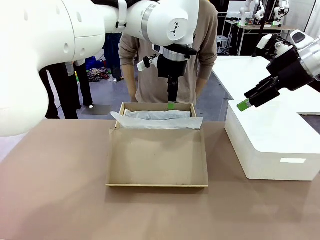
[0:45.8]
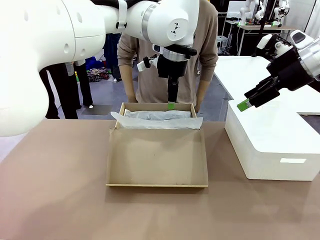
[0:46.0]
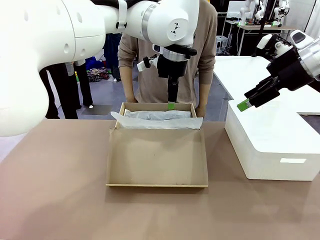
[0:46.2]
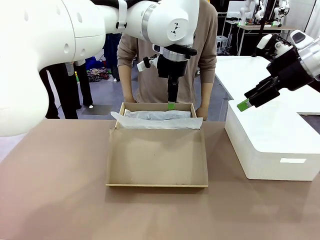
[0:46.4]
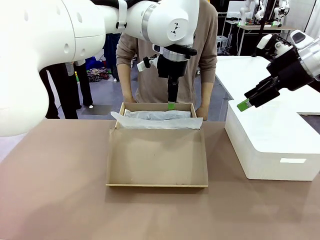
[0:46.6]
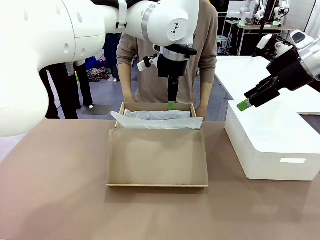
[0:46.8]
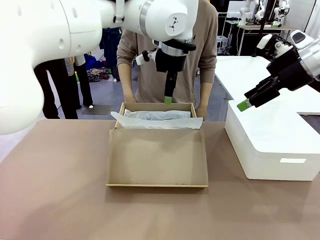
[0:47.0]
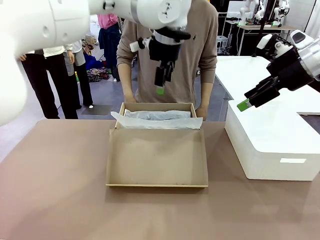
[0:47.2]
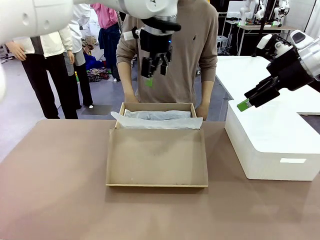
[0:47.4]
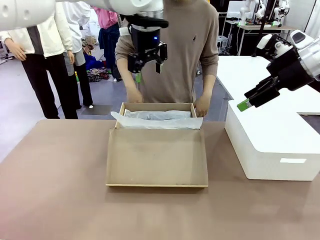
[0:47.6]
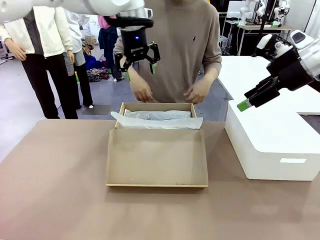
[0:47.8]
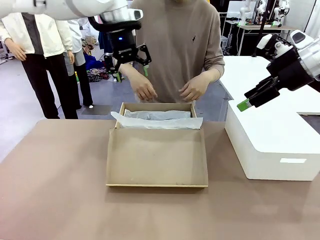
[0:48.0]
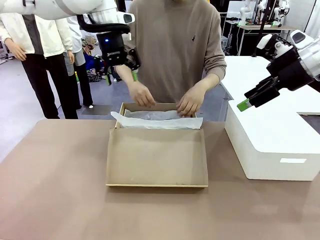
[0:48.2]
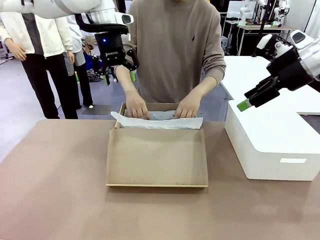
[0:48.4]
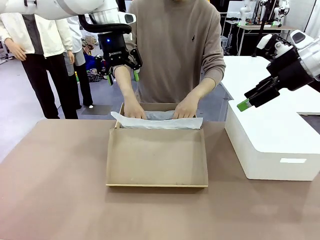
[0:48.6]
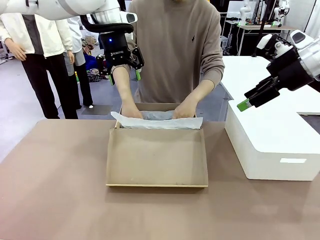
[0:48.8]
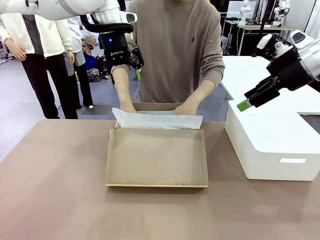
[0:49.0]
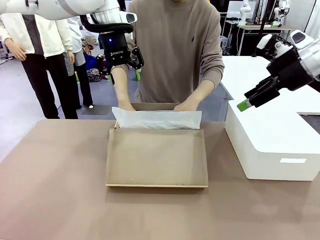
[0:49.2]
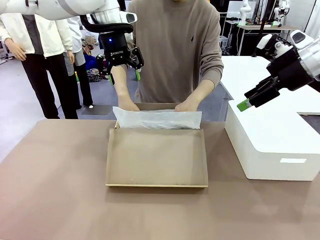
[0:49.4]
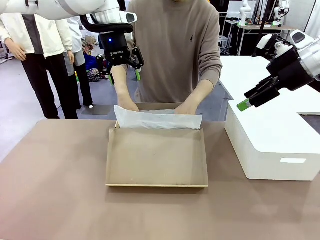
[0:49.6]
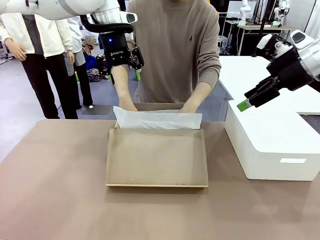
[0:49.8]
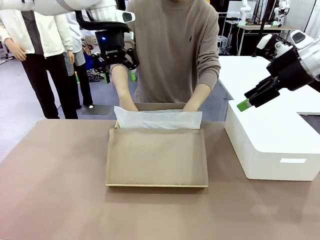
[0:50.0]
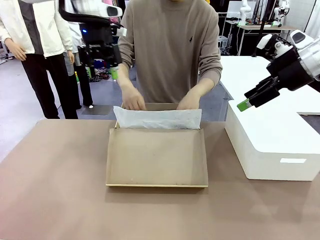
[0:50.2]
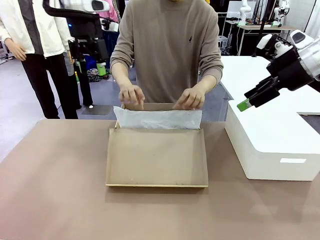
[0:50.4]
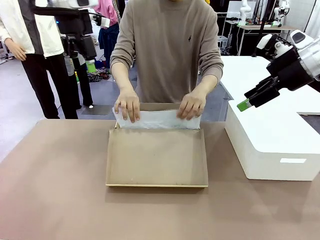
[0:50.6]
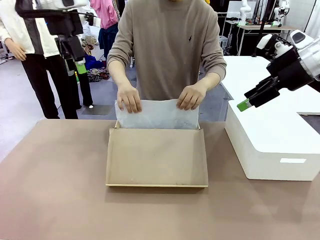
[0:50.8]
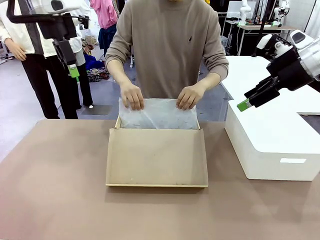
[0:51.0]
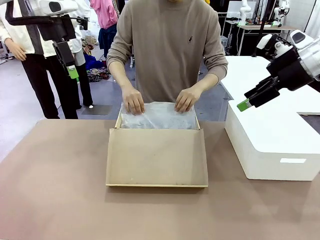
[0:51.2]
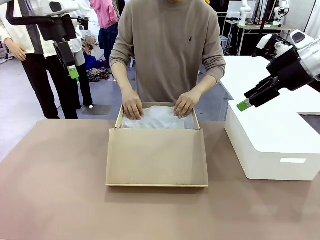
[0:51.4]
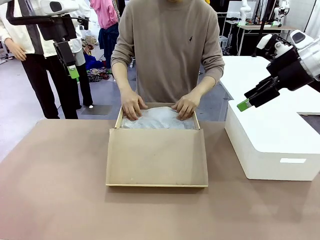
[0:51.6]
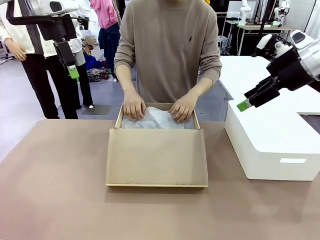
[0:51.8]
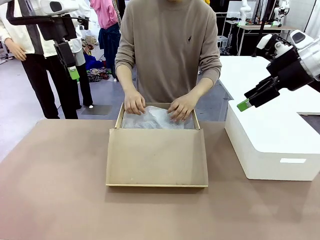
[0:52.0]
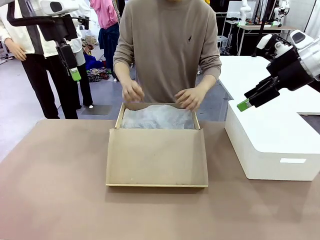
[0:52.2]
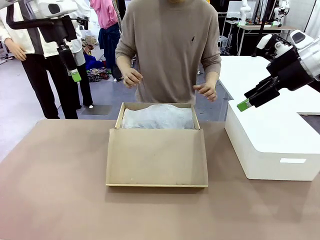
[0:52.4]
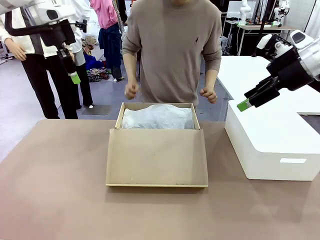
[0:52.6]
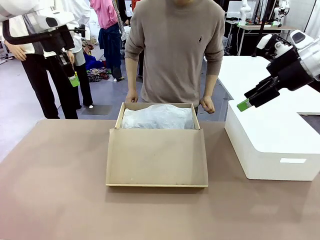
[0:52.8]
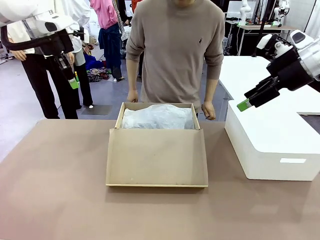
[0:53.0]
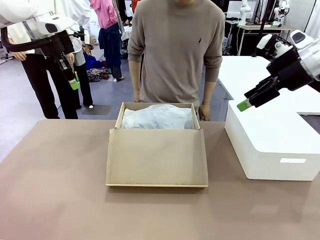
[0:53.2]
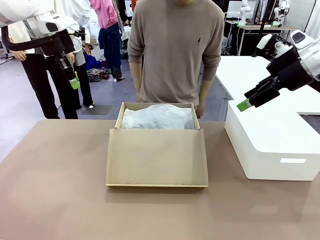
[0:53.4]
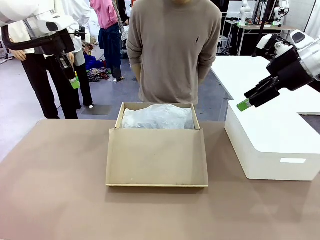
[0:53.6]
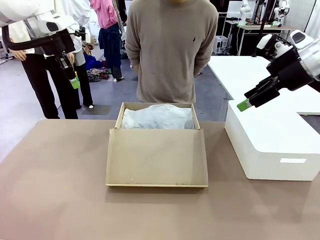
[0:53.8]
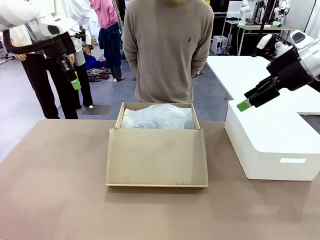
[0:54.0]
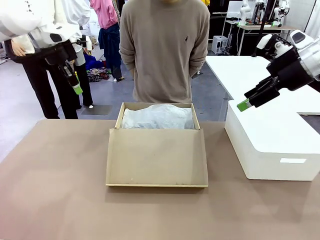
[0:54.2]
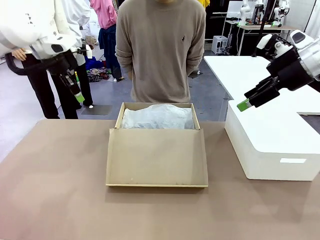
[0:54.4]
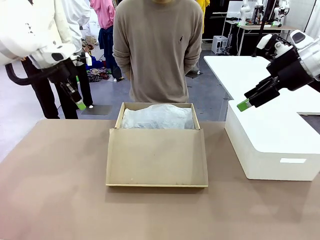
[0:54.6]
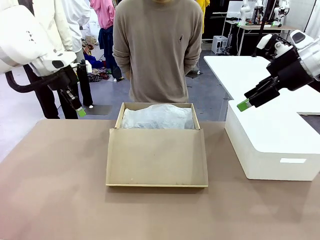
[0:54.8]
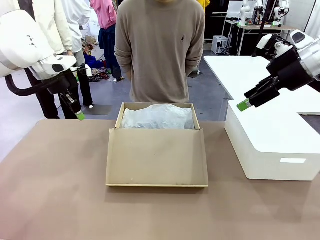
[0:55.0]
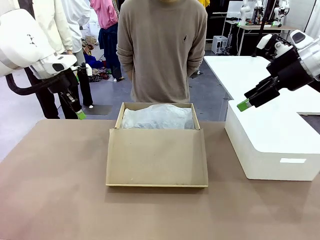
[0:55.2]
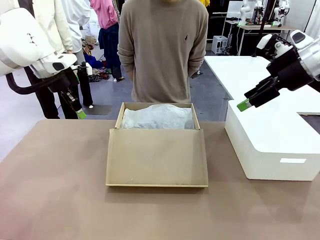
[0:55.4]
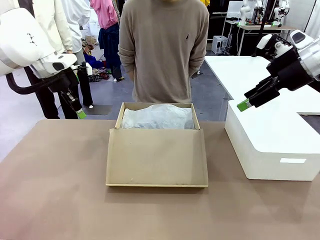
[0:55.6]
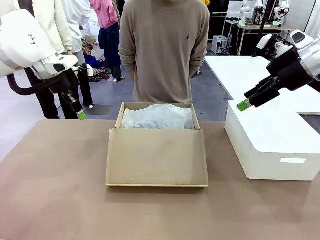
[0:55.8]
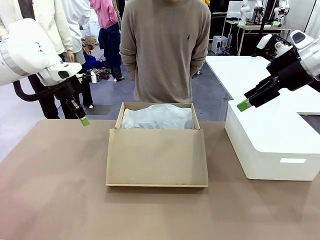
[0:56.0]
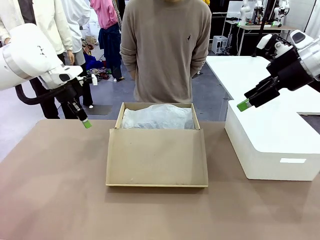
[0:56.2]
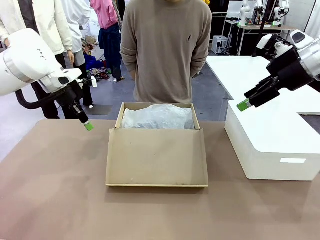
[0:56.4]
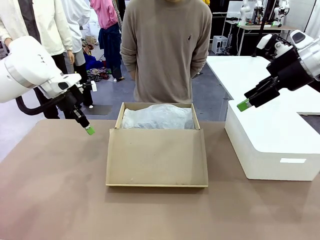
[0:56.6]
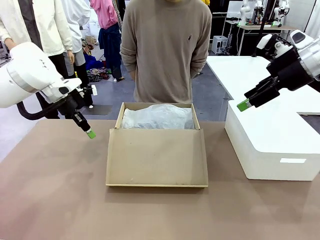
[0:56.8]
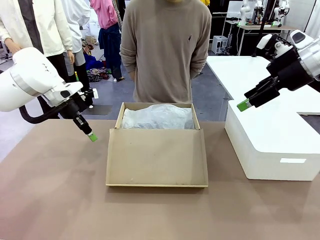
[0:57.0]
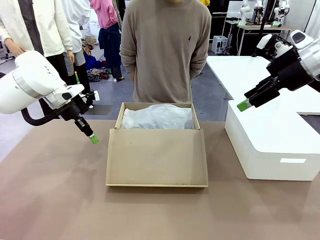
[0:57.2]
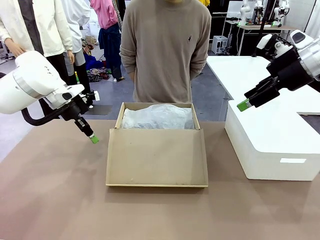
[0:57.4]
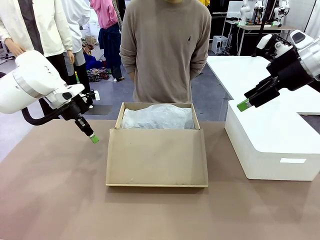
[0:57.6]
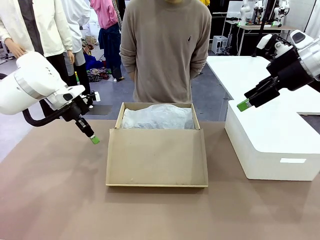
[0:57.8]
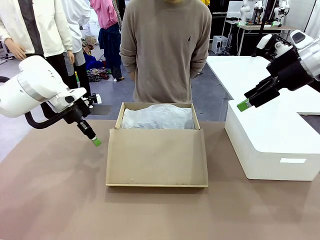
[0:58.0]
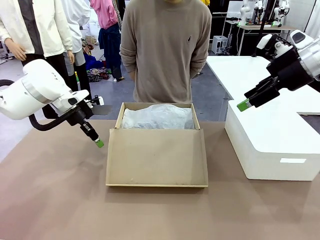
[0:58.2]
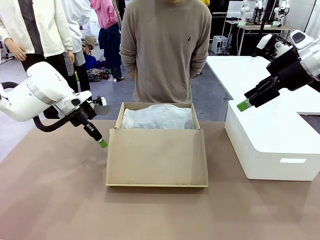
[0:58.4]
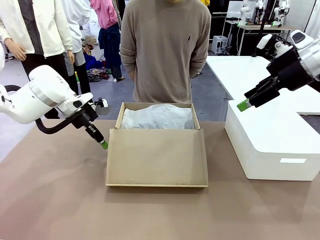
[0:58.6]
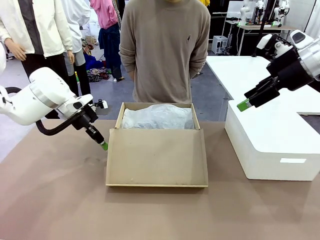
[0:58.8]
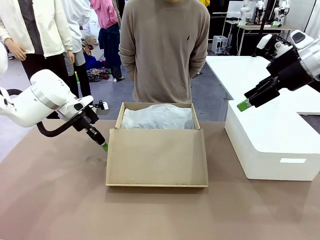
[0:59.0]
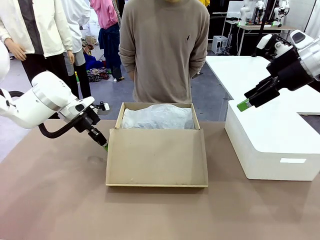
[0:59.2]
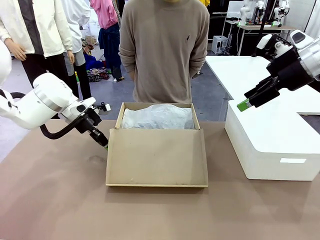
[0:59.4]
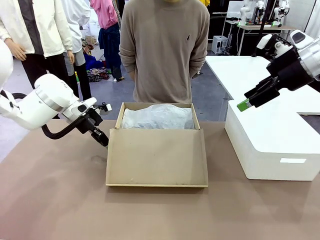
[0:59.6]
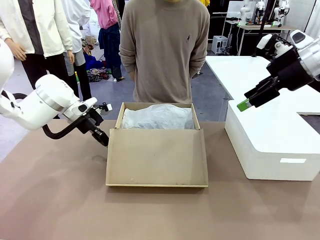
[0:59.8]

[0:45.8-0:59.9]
Task: Pack the shoes into the box.
Robot: Close the Shoes Box.

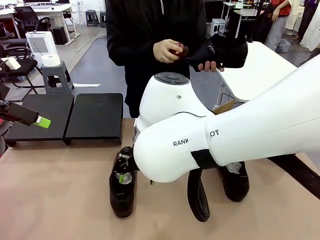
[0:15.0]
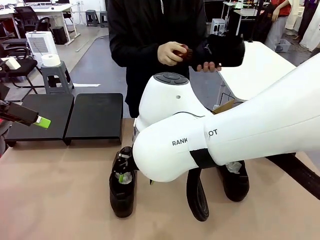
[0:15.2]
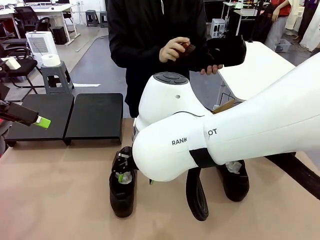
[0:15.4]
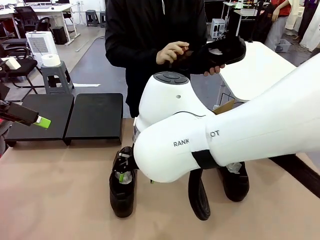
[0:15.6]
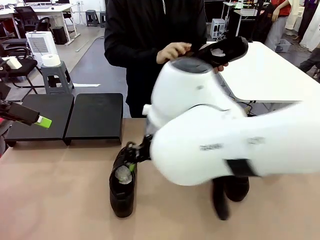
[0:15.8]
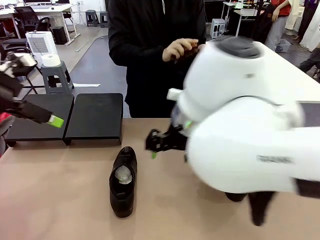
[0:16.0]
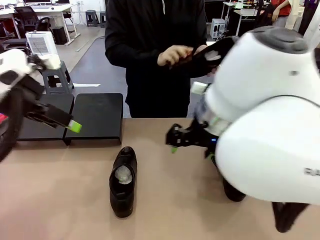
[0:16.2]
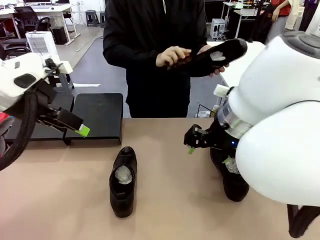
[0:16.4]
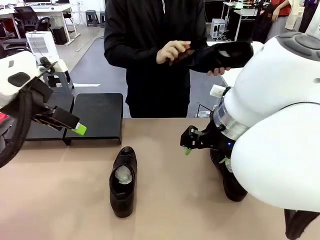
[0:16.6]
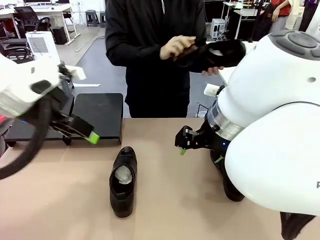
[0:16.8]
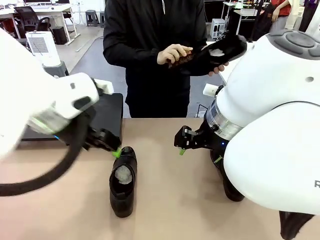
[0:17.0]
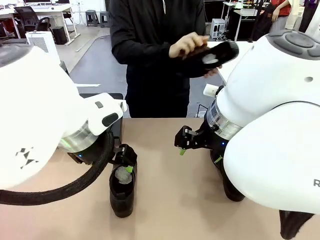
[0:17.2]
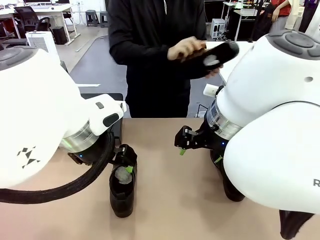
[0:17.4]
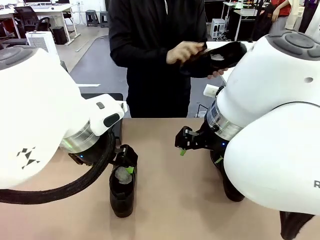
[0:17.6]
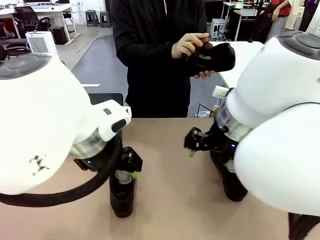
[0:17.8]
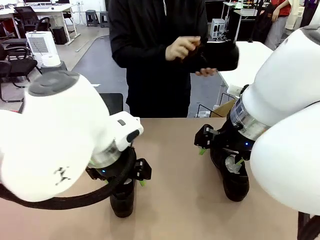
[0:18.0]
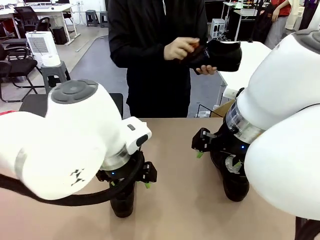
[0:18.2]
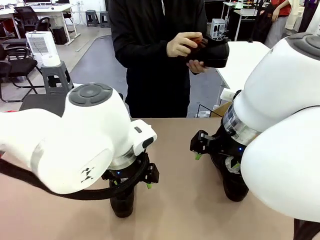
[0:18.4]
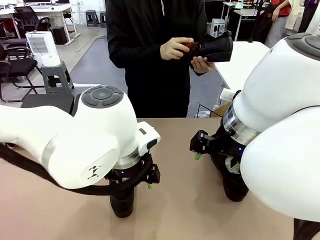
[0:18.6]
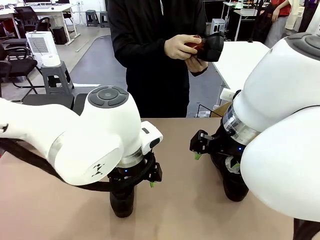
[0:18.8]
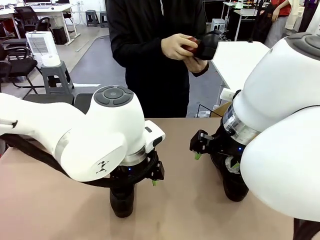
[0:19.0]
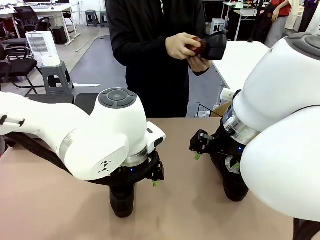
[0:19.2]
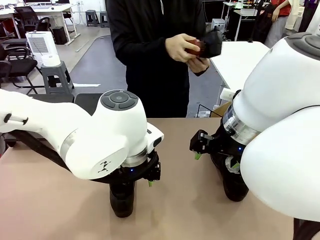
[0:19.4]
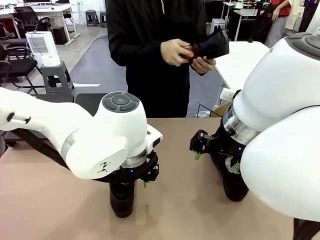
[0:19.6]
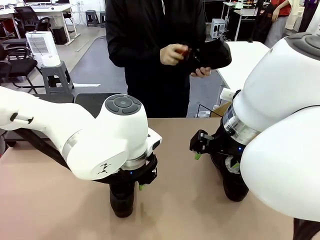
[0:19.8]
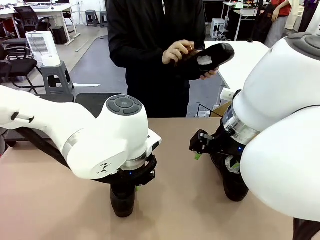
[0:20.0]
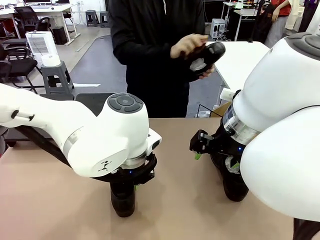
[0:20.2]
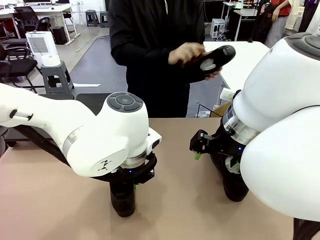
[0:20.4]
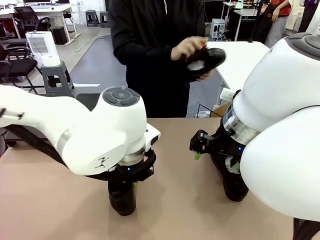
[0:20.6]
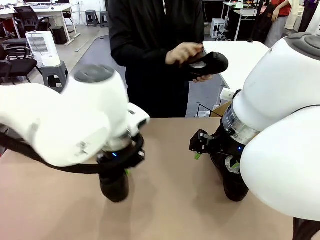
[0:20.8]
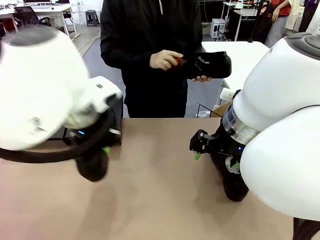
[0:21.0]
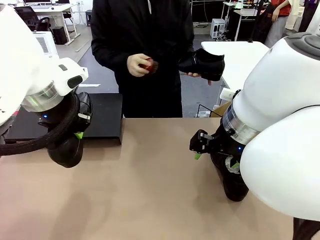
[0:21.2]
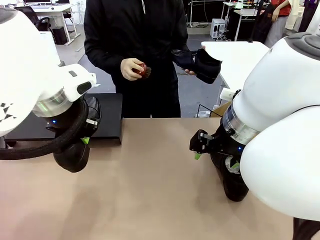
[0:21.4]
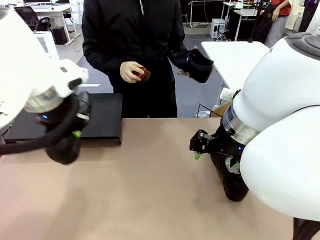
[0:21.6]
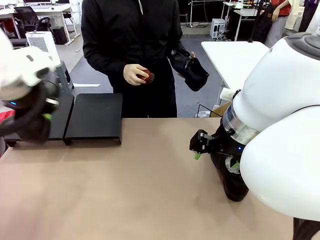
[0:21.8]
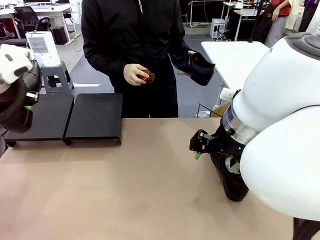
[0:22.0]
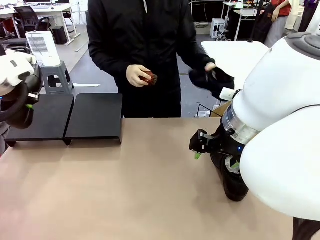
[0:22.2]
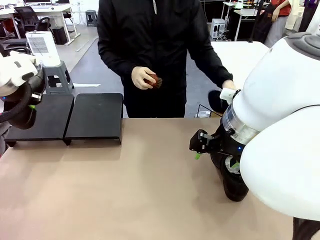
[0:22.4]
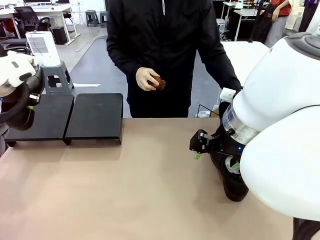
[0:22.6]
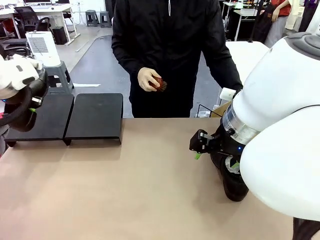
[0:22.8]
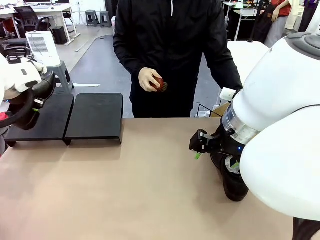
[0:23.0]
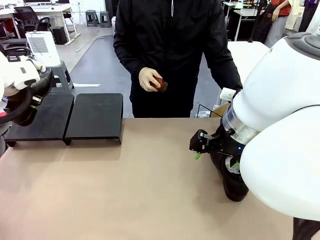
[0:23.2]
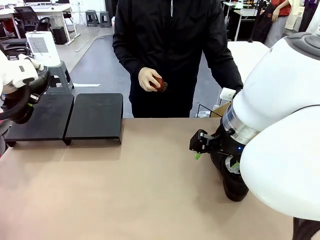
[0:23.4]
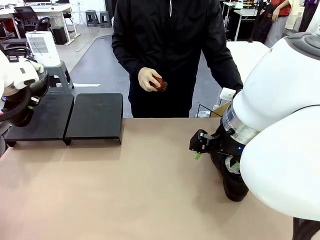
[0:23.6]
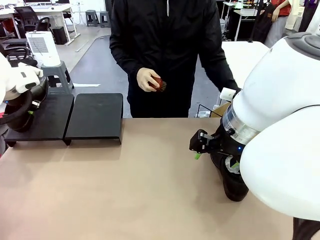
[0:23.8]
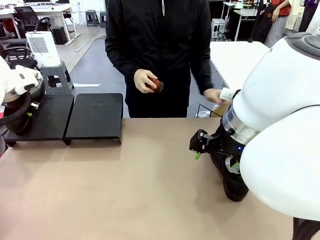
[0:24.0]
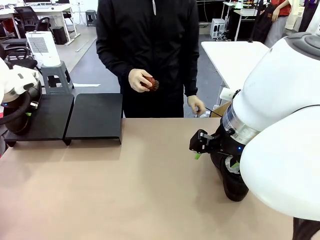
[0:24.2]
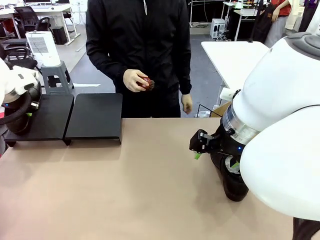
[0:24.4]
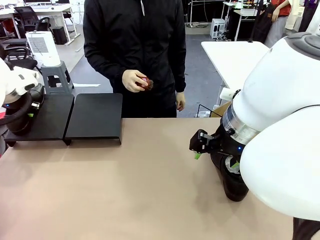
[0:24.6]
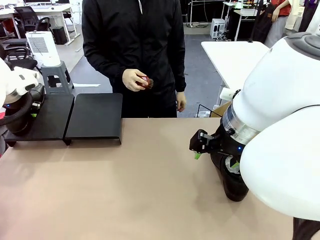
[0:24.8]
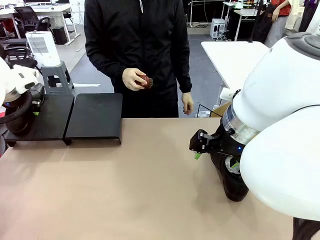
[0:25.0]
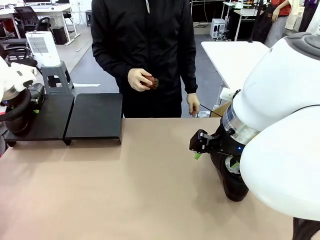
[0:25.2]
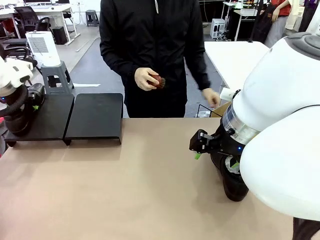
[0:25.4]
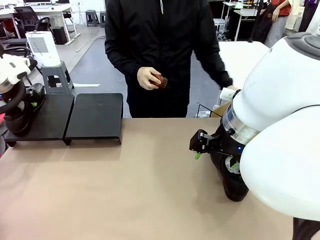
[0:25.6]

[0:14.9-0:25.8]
Task: Organize the shoes by placing them on the stand.
Robot: Place the Shoe from the middle of the table onto the Shoes Stand.
Person: Place the Shoe on left side of the Robot's table.
